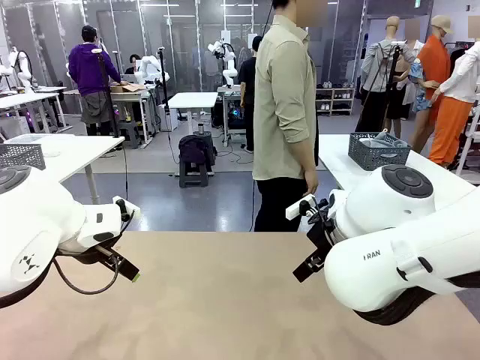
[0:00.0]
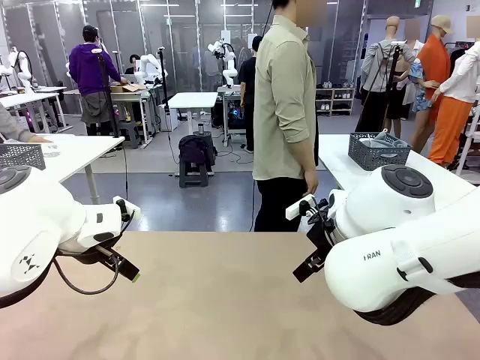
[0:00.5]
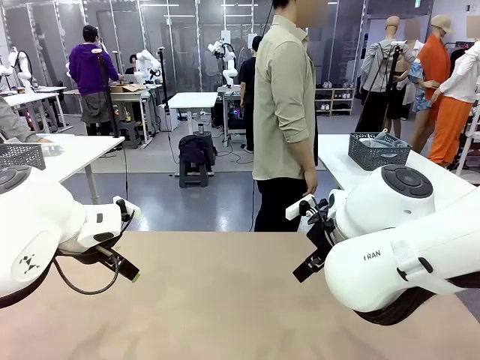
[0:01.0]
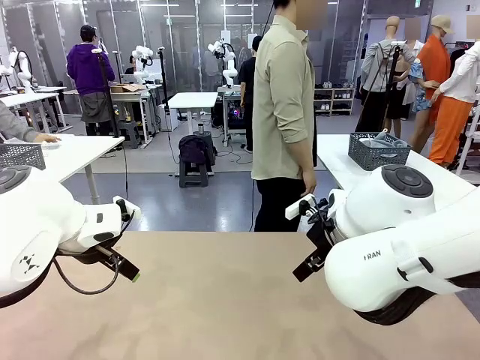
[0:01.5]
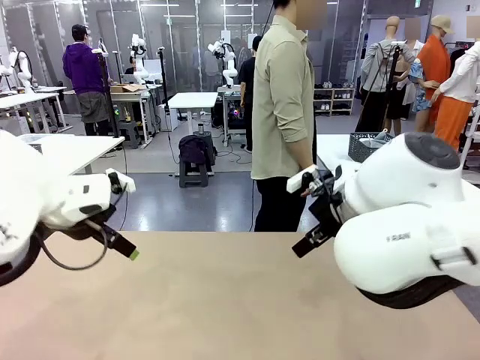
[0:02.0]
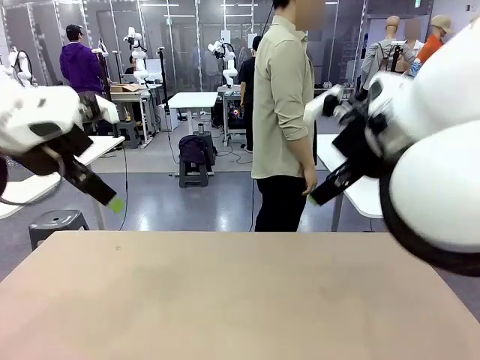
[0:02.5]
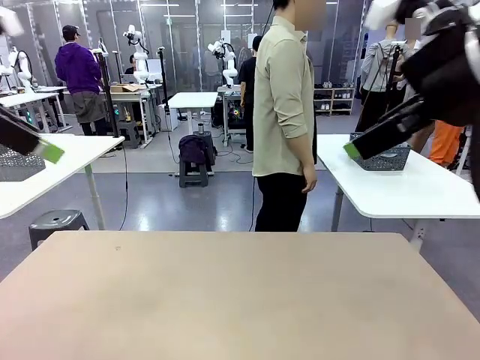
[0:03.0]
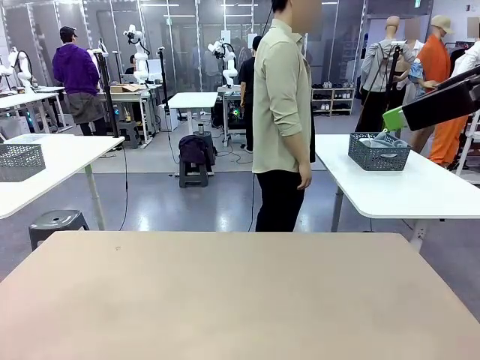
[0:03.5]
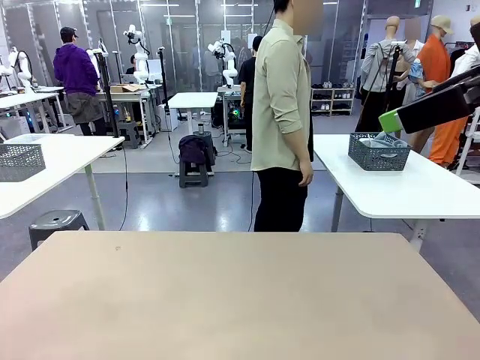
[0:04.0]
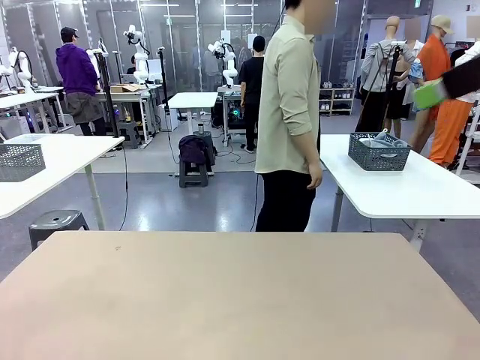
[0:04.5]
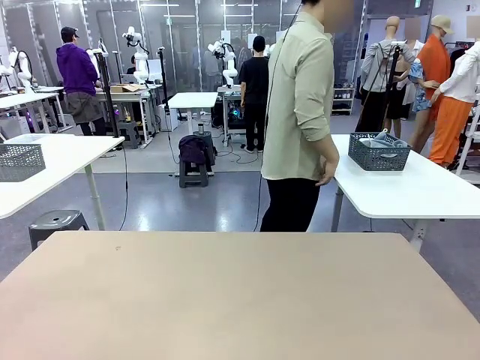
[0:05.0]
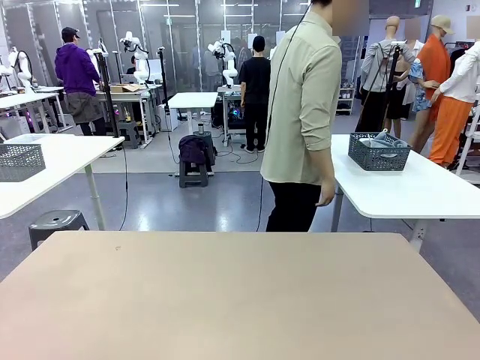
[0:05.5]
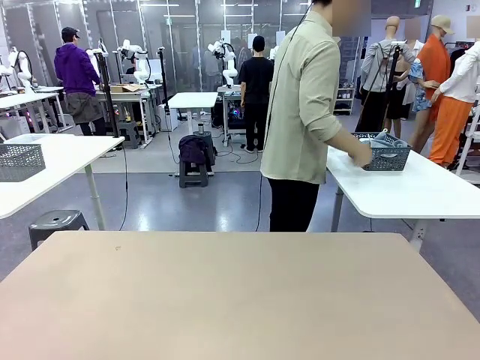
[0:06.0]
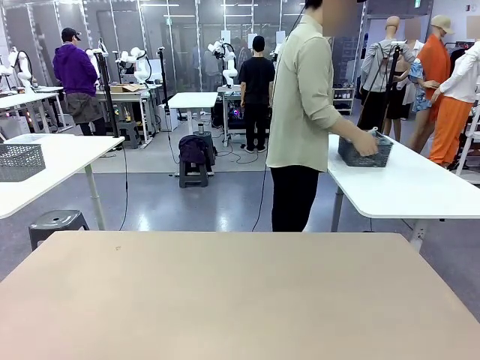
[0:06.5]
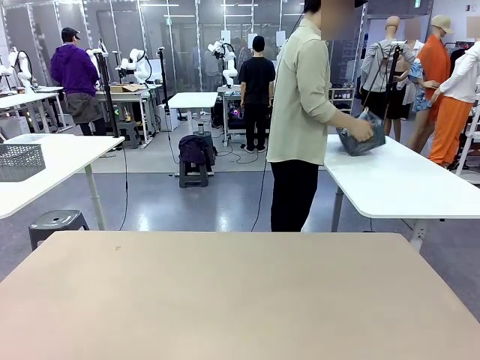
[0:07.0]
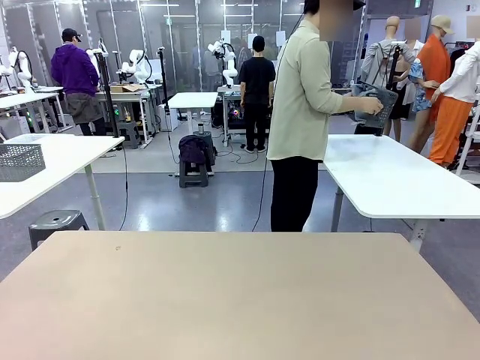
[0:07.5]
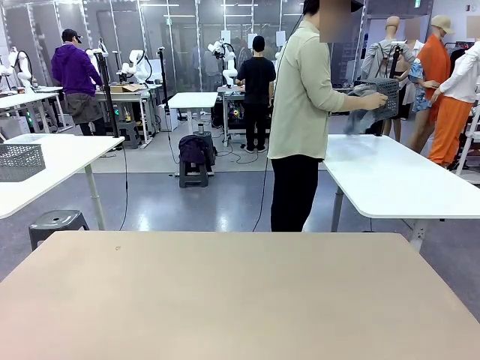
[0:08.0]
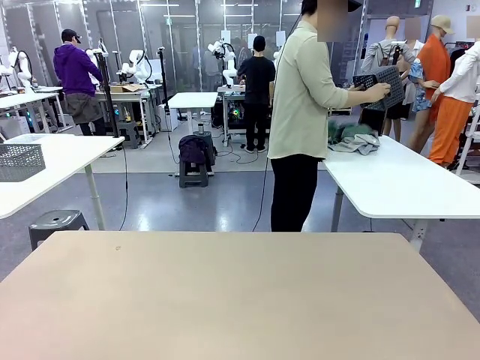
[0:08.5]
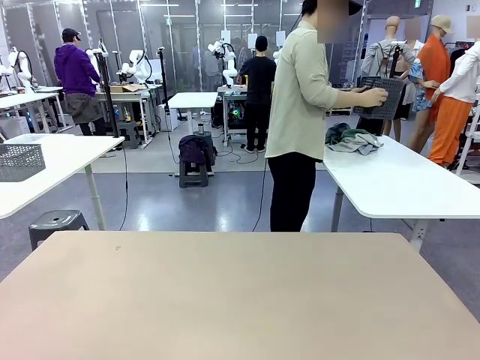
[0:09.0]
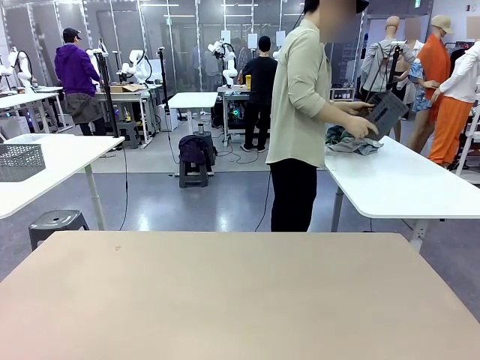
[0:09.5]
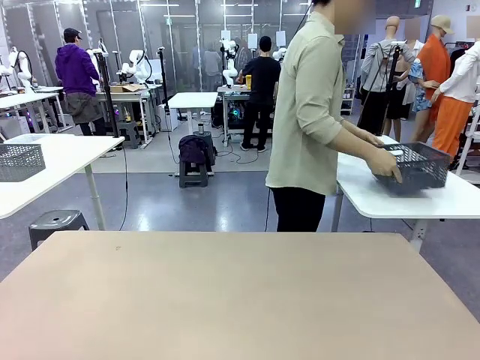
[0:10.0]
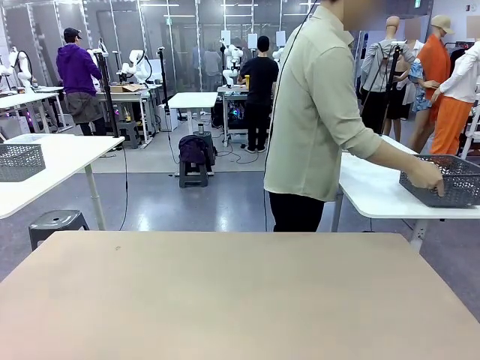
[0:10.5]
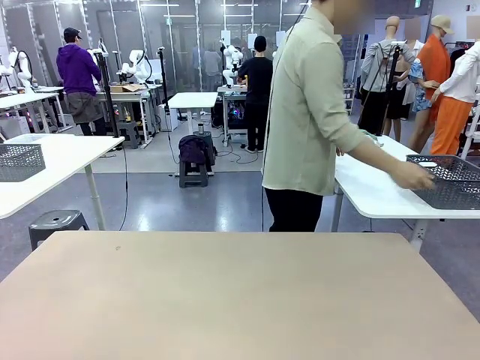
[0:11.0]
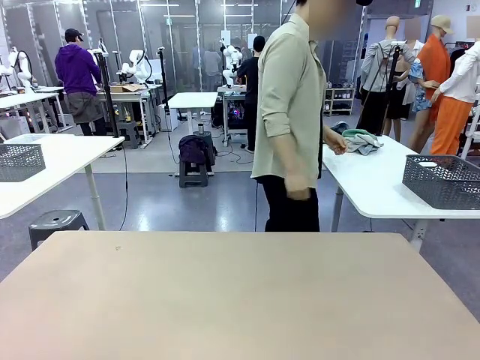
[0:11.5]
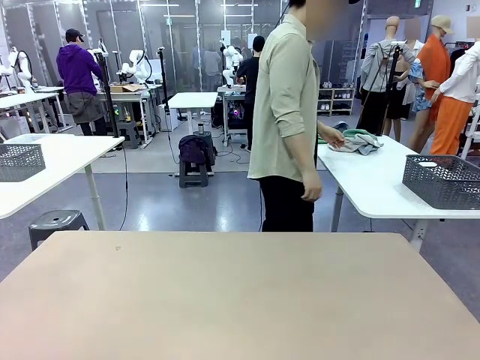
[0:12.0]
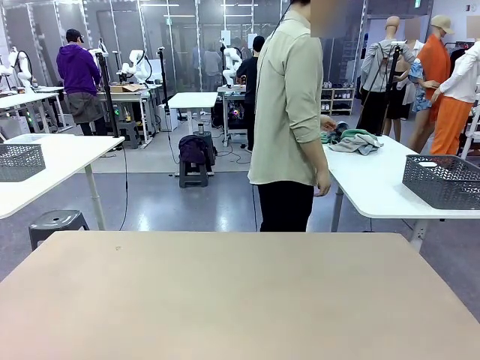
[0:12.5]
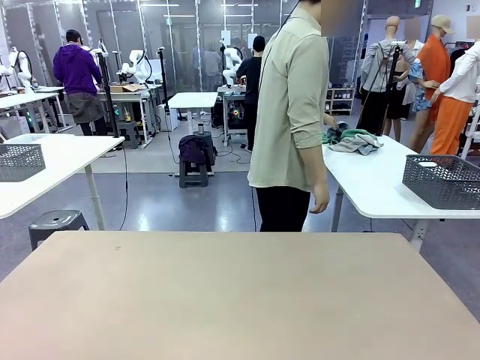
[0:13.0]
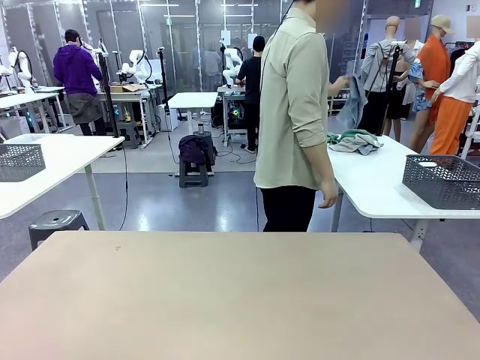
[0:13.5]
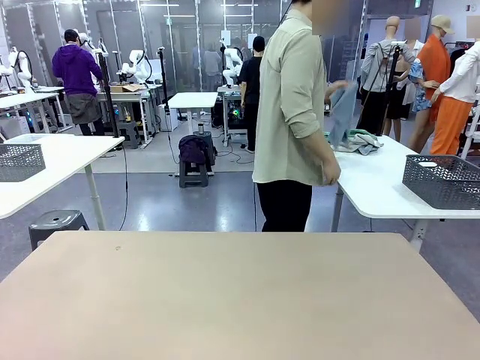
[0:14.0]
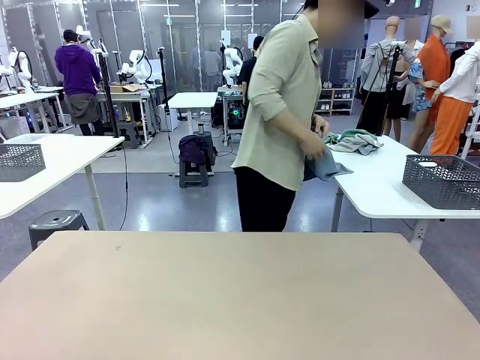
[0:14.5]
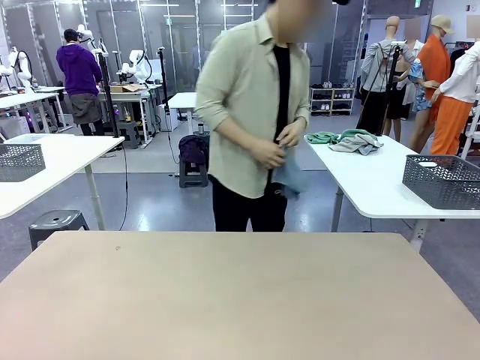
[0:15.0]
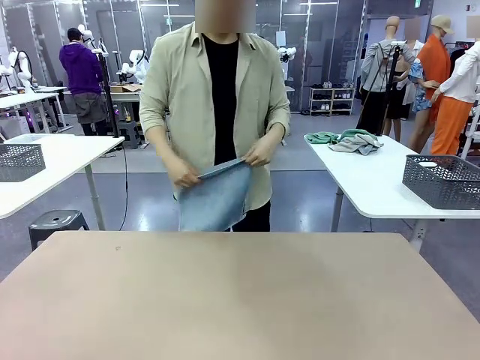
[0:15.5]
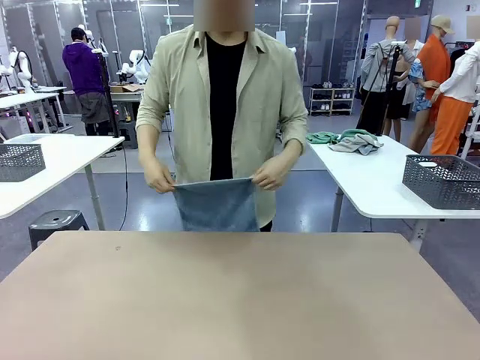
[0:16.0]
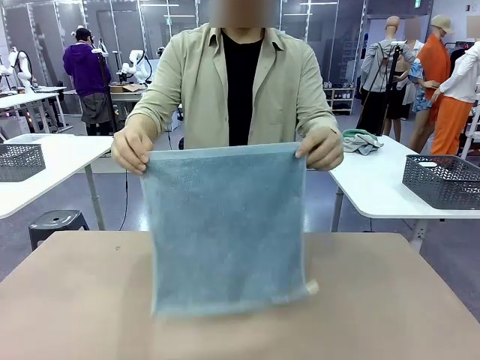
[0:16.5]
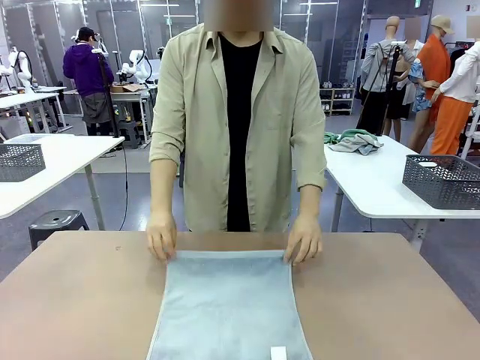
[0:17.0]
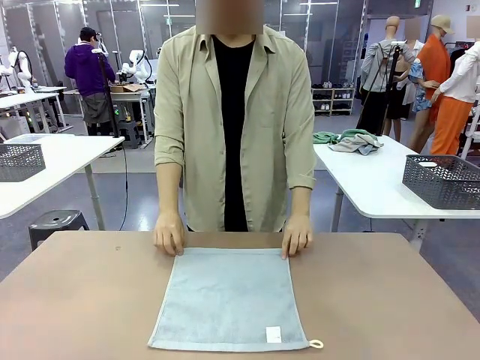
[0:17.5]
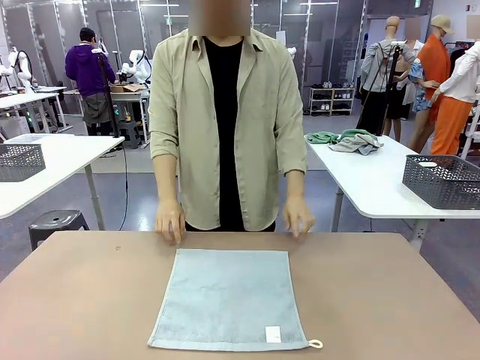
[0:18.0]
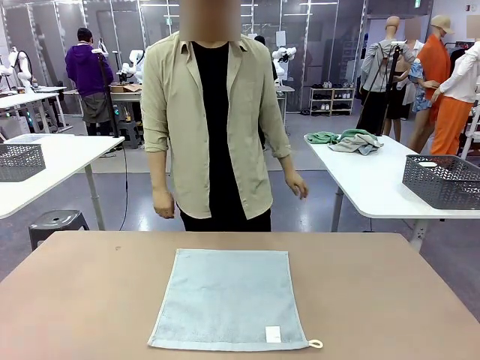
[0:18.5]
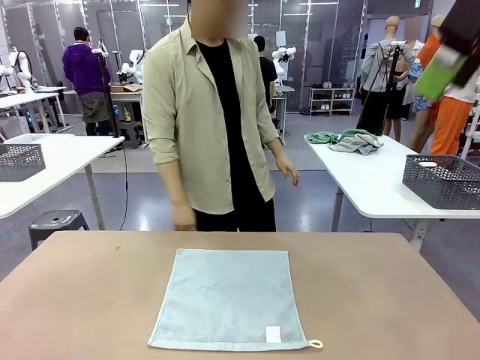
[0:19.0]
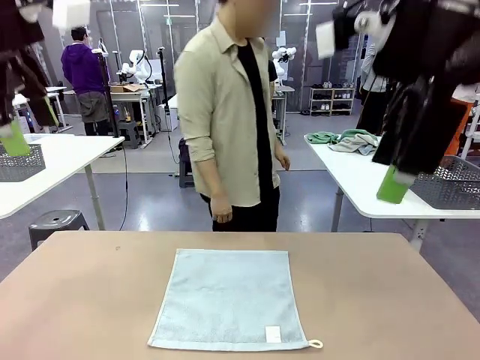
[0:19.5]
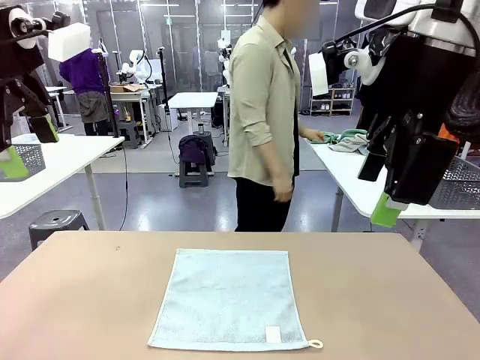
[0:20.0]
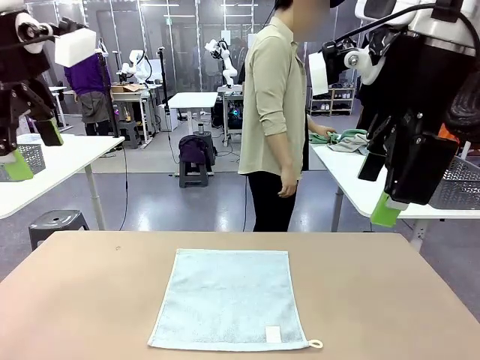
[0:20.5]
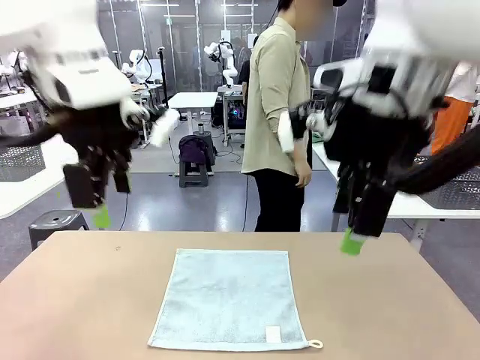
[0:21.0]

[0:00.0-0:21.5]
Task: Fold the towels and place them in the basket.
Robot: When a person lays out a Towel with hook on the table, fold it in half twice.
Person: Pick up the basket, pour the towels onto the left side of the human table, and place the basket on the right side. Pick up one towel and spread it out at the center of the robot table.
